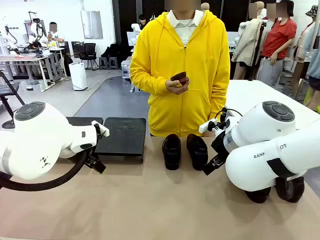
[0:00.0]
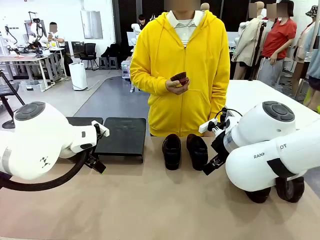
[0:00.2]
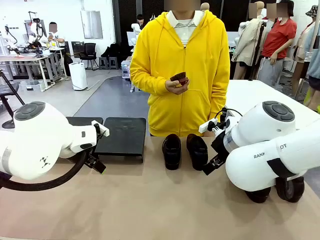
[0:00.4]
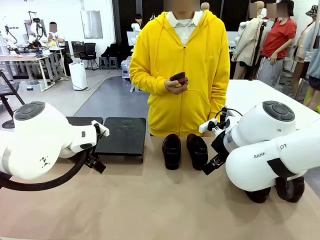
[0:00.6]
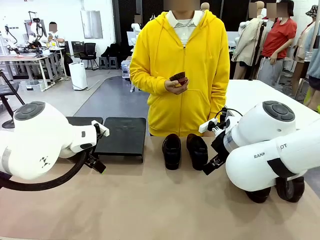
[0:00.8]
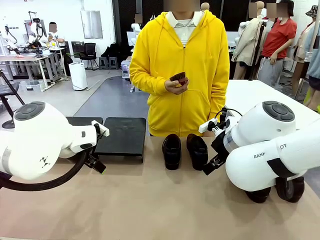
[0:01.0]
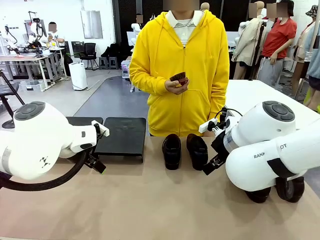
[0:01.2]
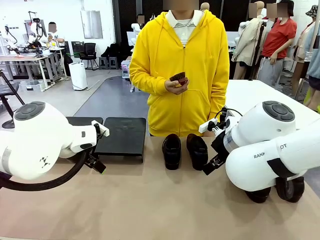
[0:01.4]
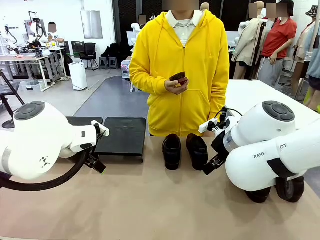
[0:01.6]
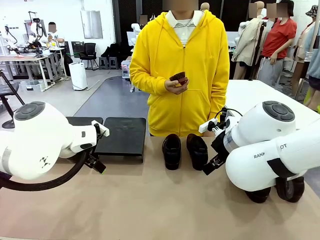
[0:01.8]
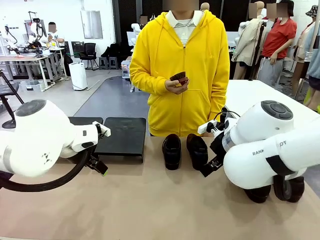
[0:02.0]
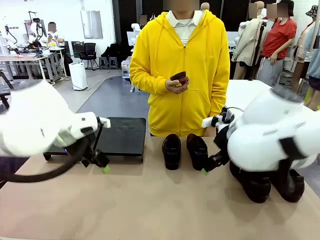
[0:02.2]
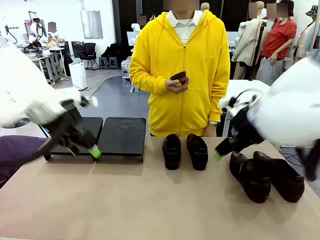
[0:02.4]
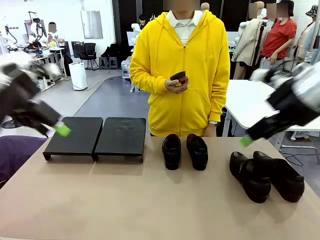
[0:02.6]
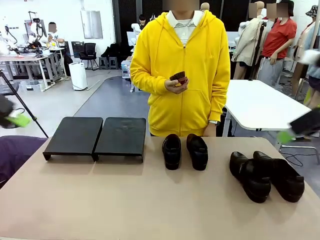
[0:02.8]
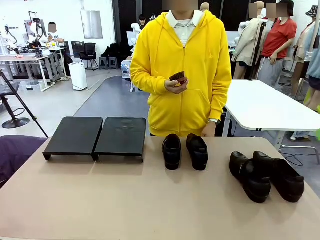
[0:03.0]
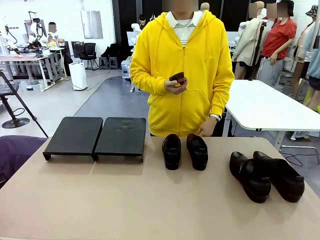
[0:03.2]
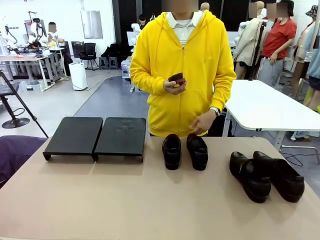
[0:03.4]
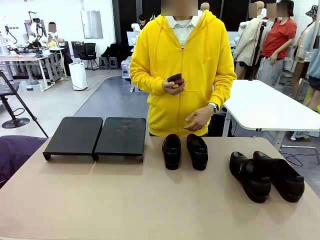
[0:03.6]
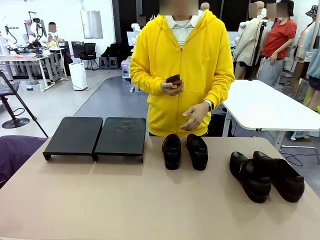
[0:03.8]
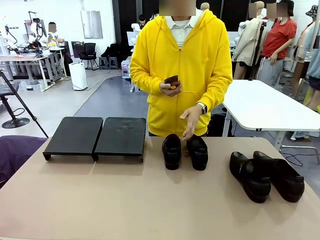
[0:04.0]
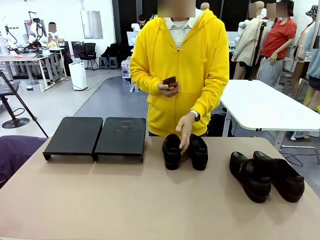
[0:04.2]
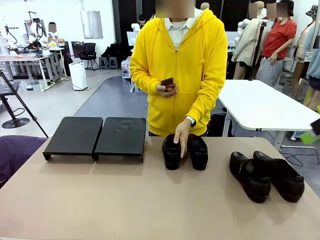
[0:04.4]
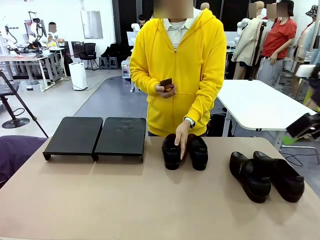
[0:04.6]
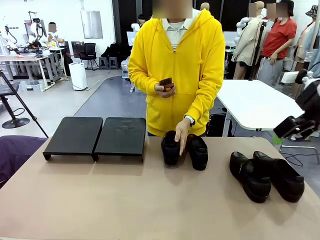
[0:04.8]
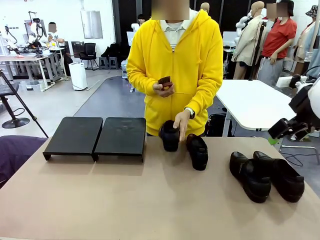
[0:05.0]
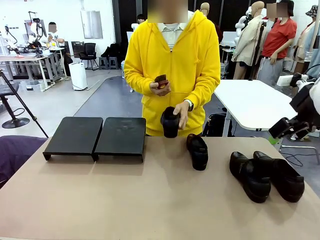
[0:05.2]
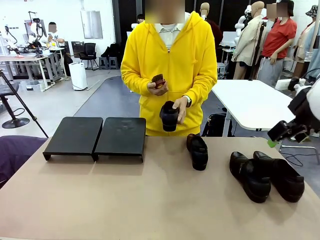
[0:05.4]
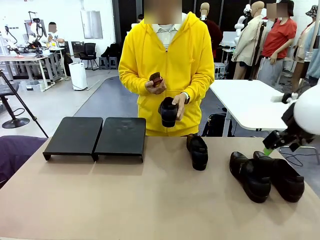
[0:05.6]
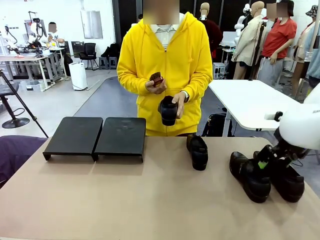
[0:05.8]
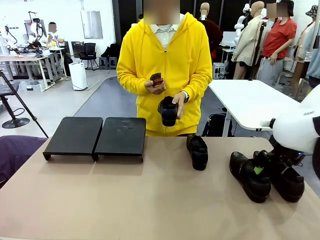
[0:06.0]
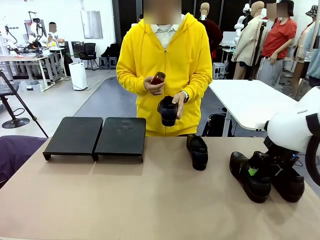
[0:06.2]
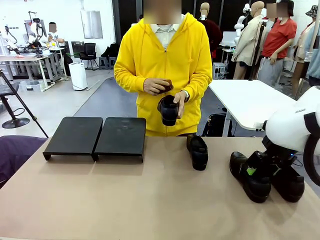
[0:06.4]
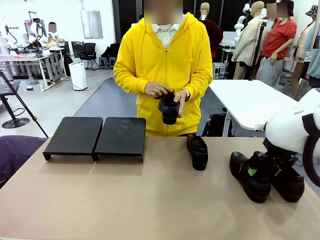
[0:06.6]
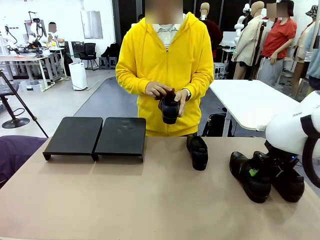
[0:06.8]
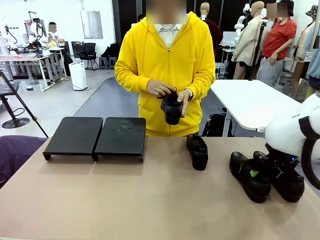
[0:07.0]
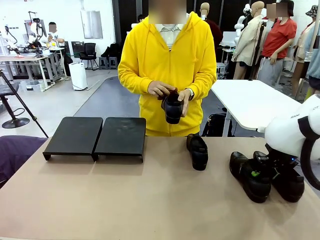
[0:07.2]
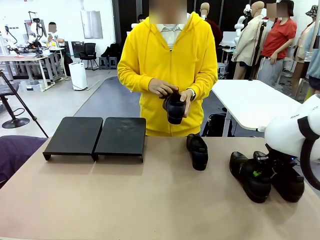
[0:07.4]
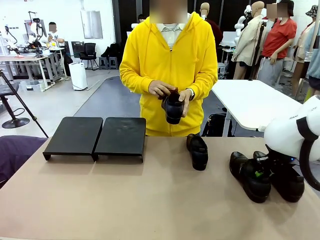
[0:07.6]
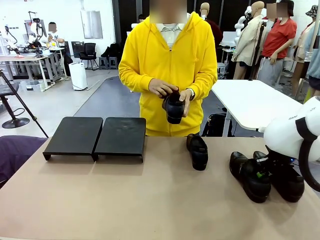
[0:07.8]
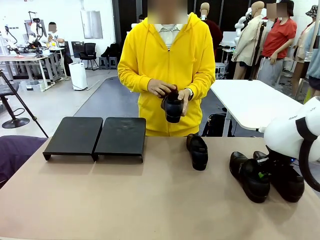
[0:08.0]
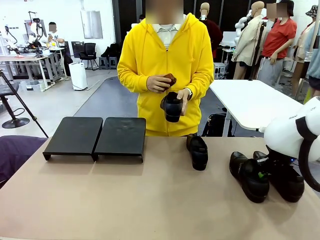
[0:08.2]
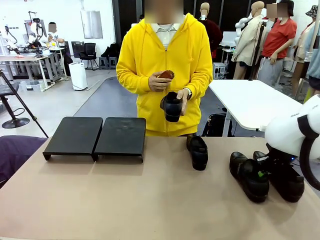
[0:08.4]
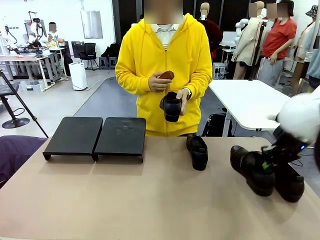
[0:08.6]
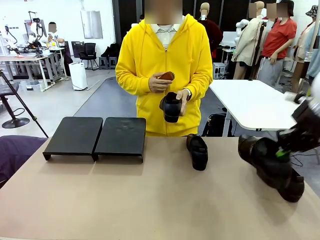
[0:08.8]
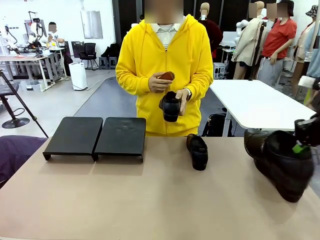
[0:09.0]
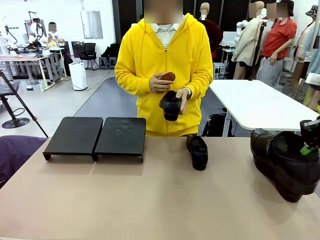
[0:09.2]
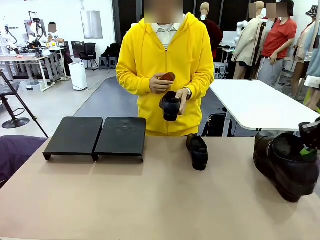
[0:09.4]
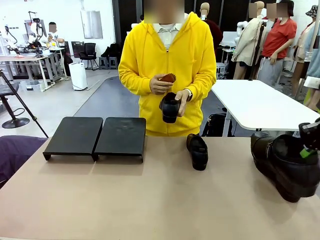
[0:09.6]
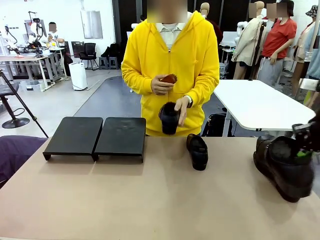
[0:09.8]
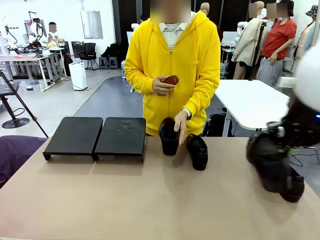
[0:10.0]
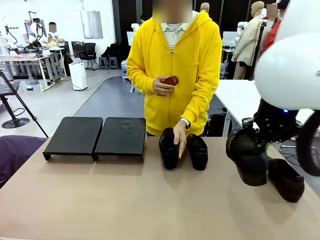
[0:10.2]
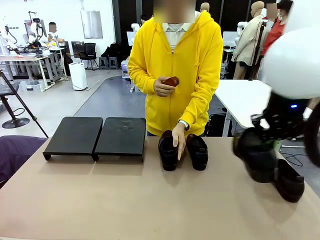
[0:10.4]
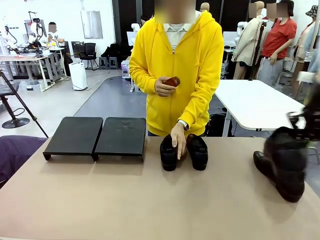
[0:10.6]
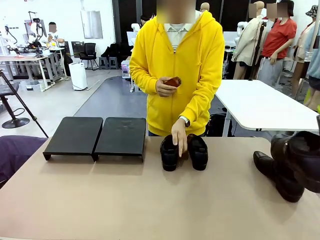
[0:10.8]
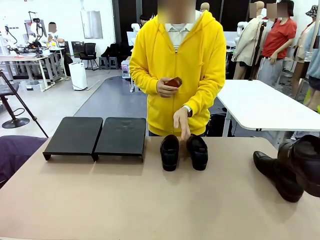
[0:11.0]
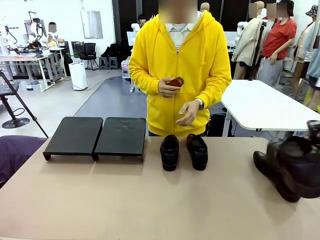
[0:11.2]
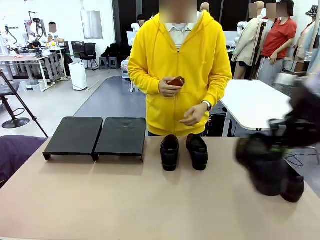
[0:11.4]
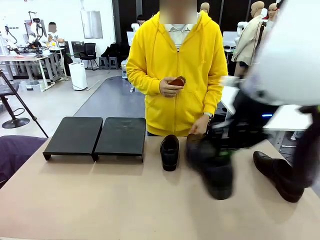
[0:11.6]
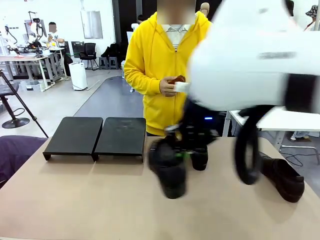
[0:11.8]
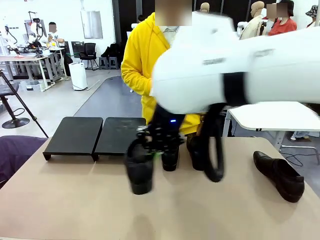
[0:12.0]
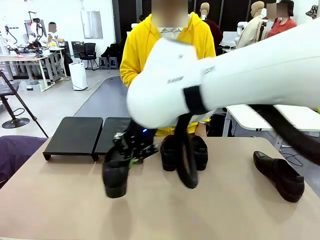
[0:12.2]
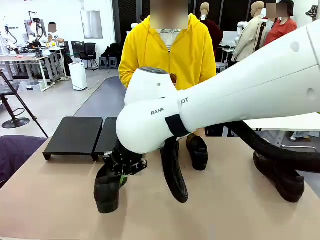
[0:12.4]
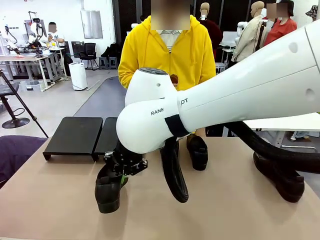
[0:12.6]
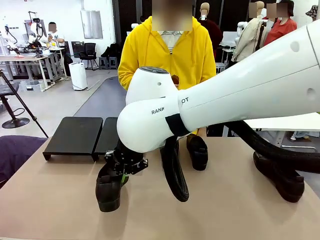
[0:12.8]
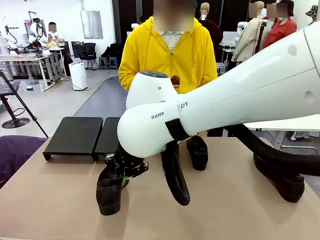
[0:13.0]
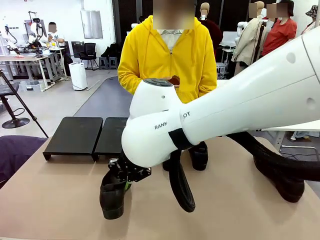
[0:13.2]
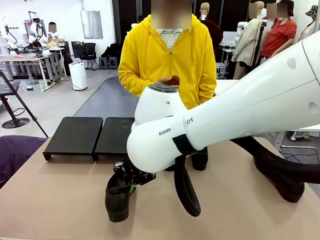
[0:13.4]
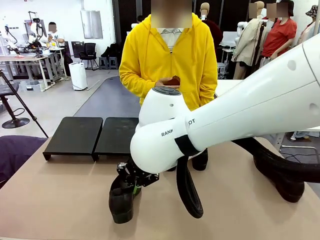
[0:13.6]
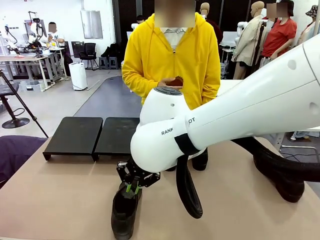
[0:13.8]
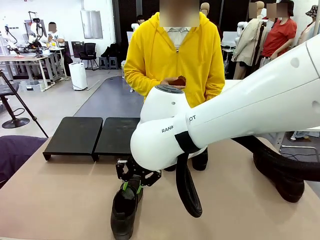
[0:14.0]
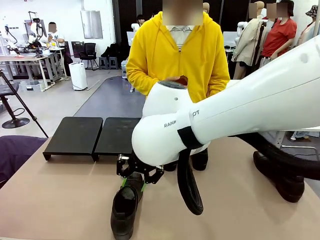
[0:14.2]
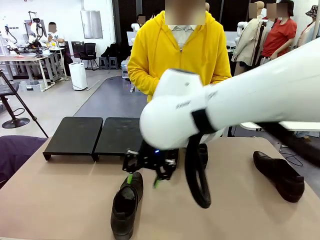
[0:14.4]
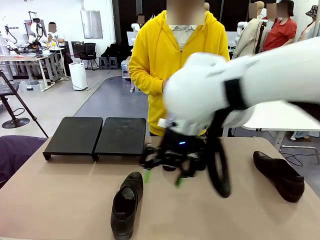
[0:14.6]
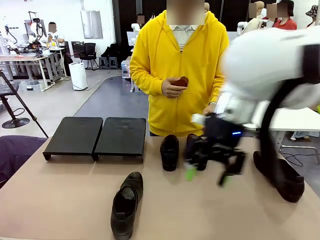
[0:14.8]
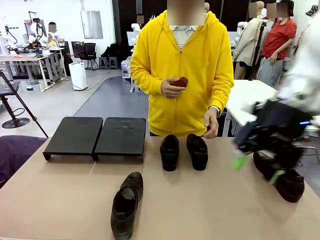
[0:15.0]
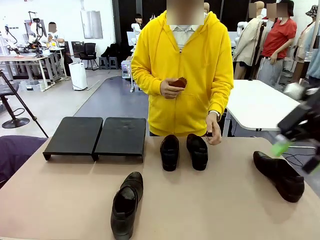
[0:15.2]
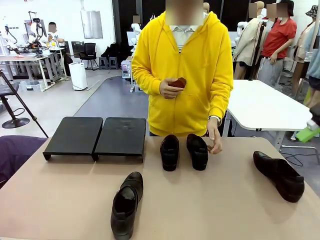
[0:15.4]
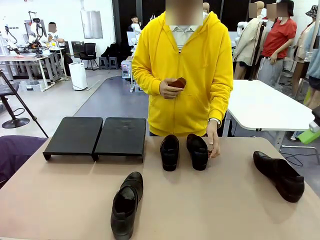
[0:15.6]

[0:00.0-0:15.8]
Task: Organize the shoes by placing them on the stand.
Robot: Pick up one Shoe and place it in the middle of the table.
Person: Pick one Shoe on Robot's table. Clean the Shoe with the Shoe Brush. Place the Shoe on left side of the Robot's table.
